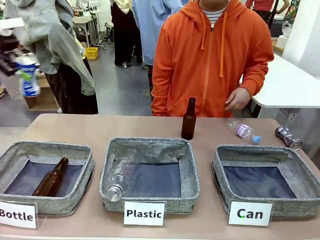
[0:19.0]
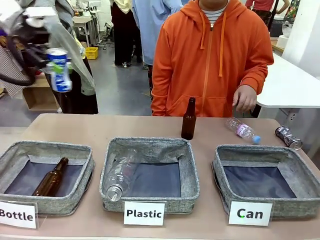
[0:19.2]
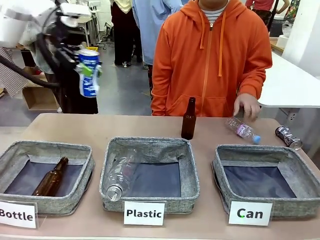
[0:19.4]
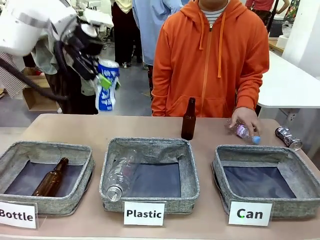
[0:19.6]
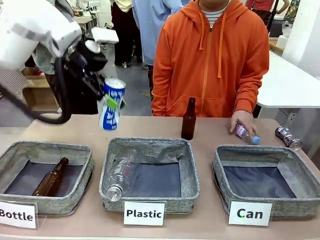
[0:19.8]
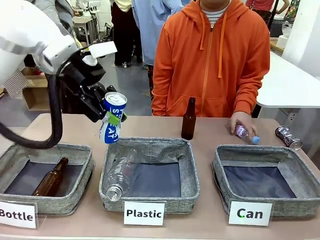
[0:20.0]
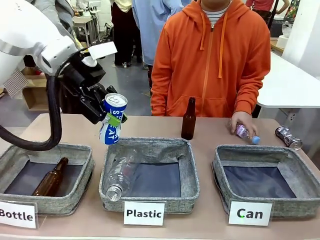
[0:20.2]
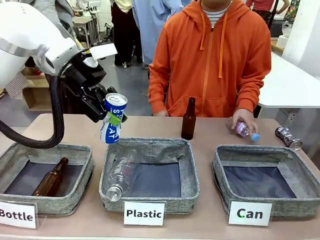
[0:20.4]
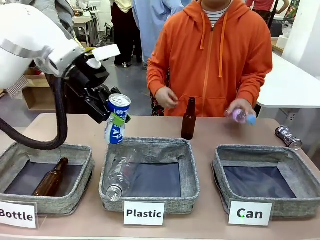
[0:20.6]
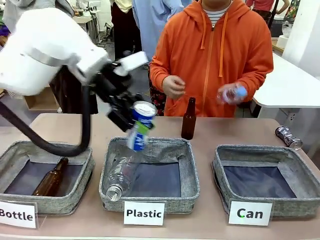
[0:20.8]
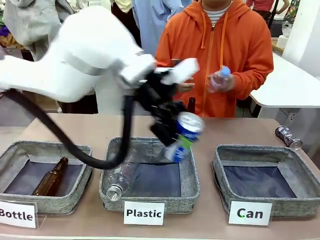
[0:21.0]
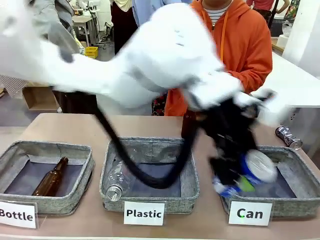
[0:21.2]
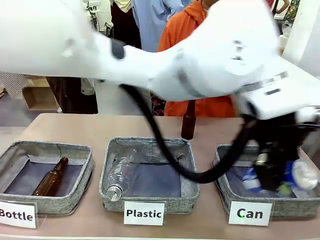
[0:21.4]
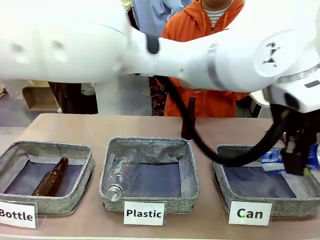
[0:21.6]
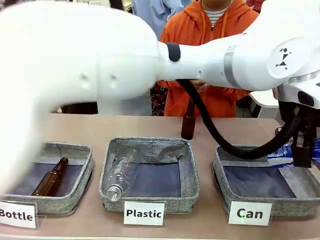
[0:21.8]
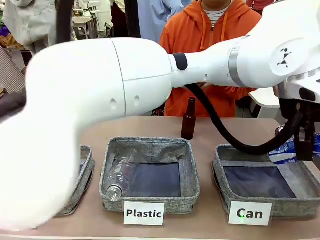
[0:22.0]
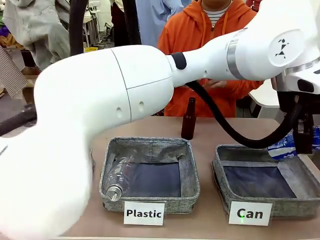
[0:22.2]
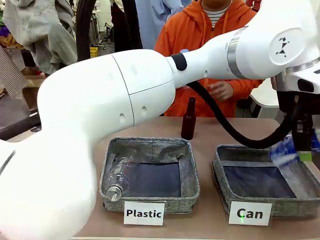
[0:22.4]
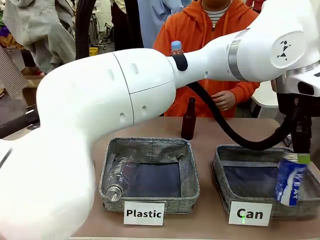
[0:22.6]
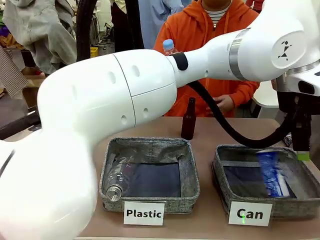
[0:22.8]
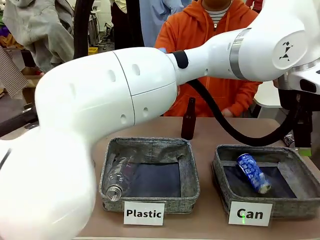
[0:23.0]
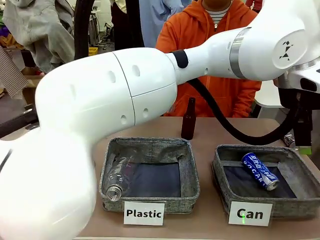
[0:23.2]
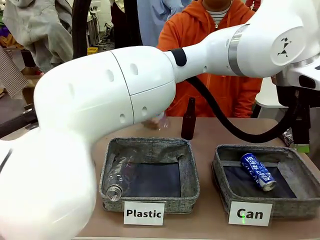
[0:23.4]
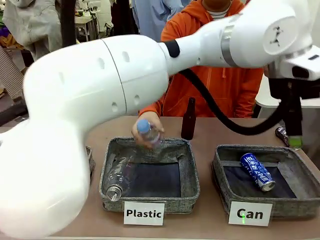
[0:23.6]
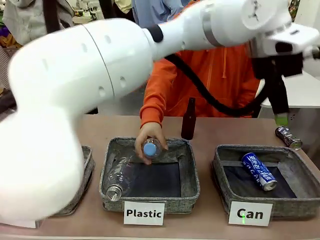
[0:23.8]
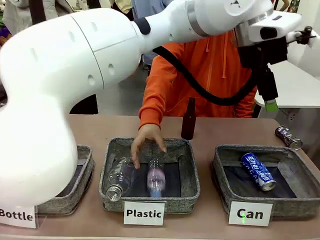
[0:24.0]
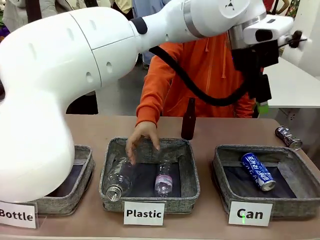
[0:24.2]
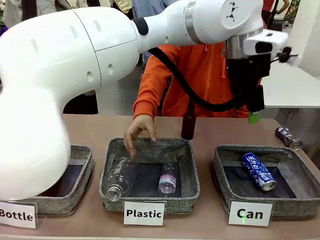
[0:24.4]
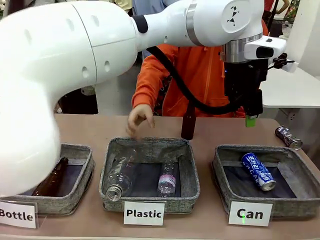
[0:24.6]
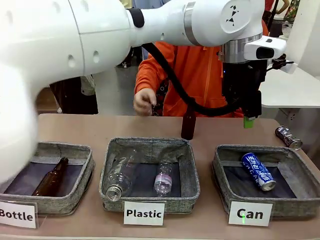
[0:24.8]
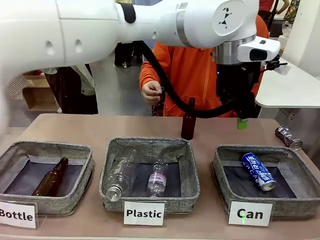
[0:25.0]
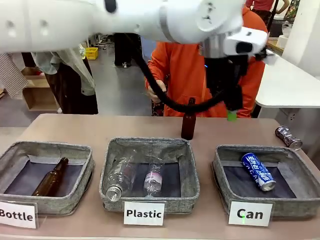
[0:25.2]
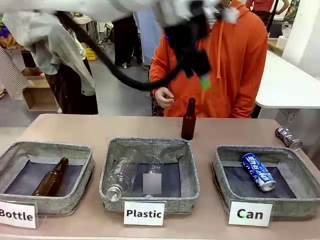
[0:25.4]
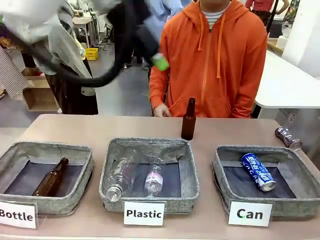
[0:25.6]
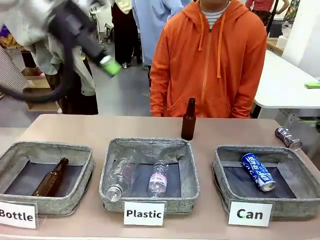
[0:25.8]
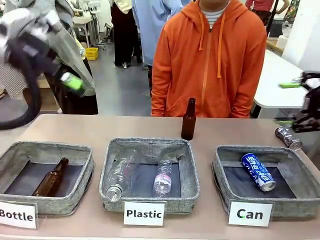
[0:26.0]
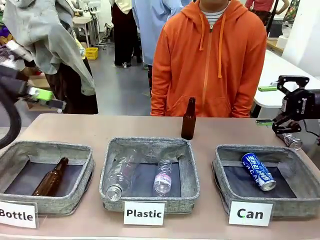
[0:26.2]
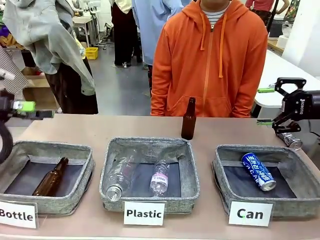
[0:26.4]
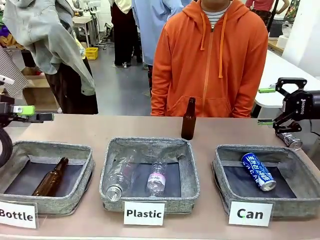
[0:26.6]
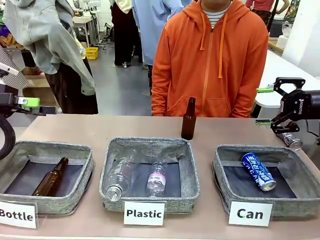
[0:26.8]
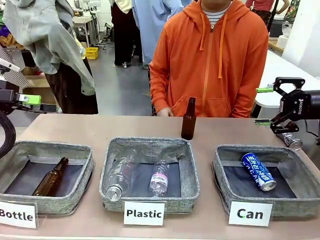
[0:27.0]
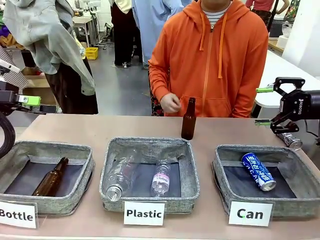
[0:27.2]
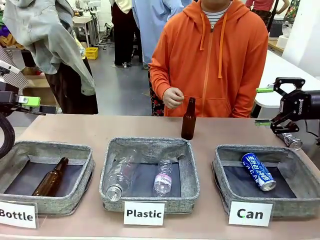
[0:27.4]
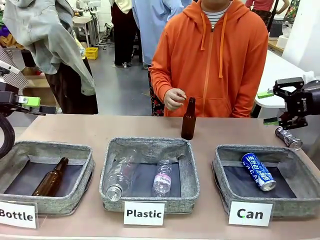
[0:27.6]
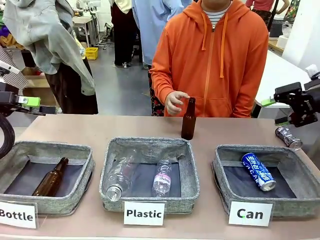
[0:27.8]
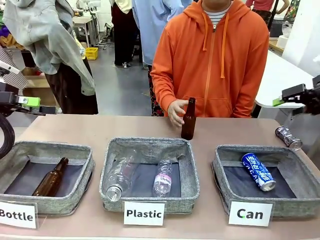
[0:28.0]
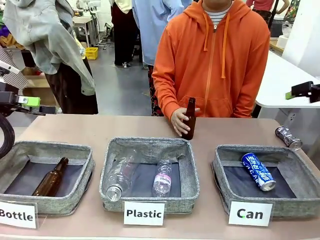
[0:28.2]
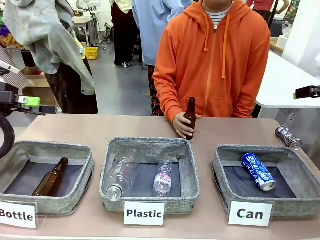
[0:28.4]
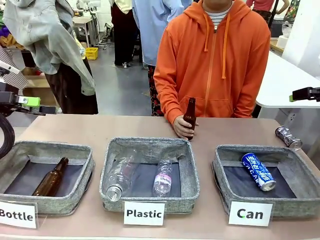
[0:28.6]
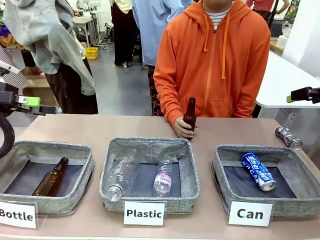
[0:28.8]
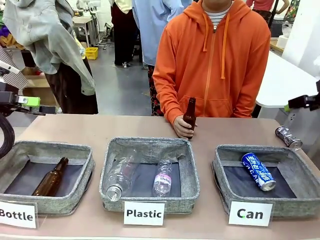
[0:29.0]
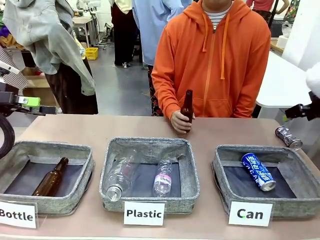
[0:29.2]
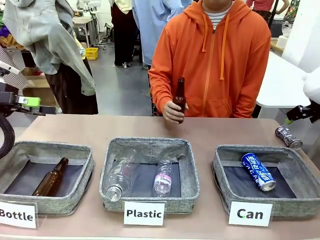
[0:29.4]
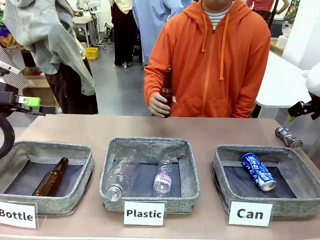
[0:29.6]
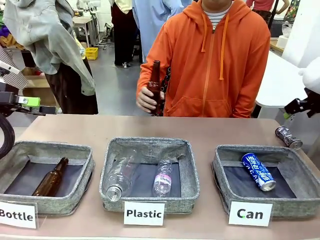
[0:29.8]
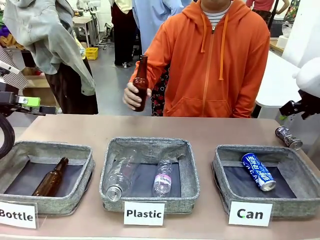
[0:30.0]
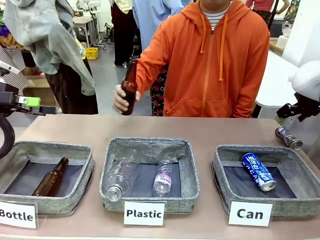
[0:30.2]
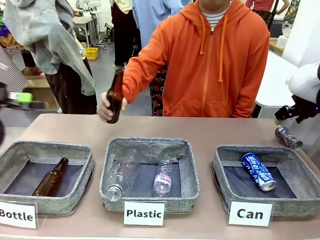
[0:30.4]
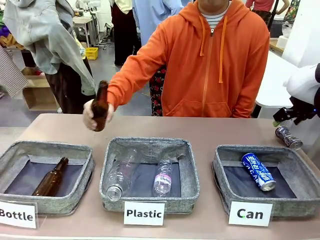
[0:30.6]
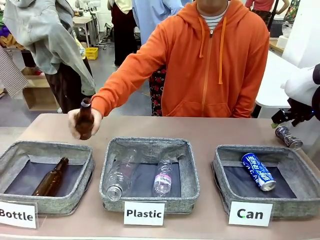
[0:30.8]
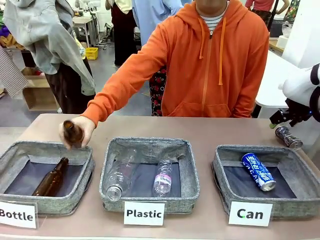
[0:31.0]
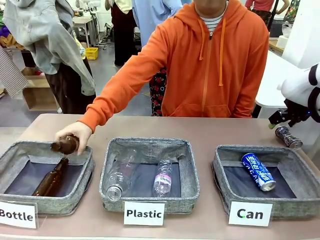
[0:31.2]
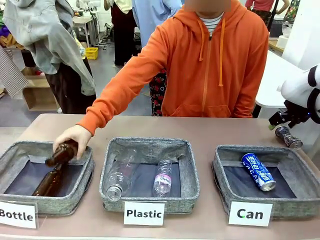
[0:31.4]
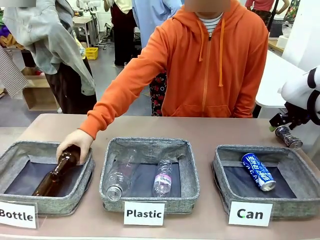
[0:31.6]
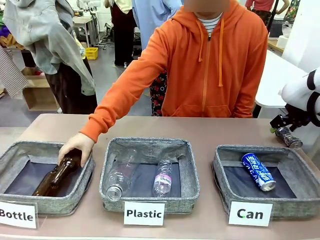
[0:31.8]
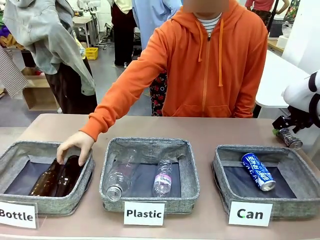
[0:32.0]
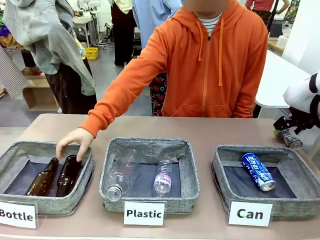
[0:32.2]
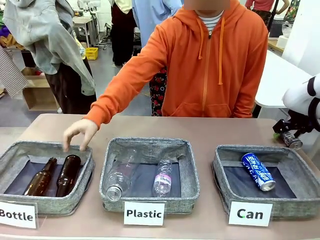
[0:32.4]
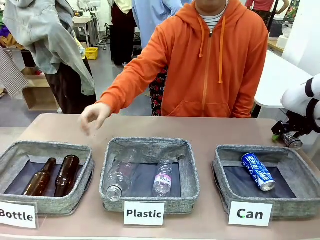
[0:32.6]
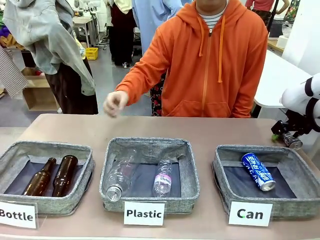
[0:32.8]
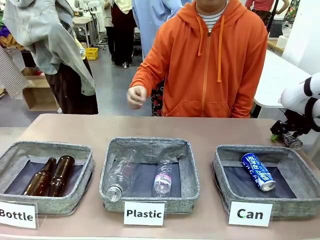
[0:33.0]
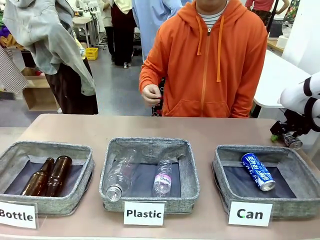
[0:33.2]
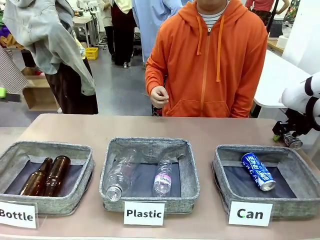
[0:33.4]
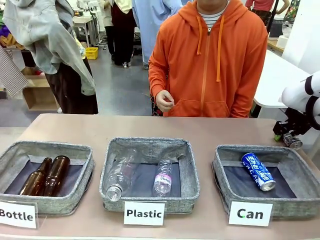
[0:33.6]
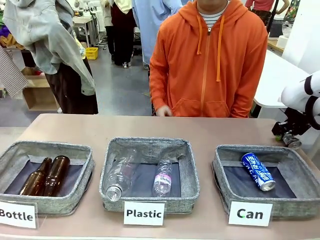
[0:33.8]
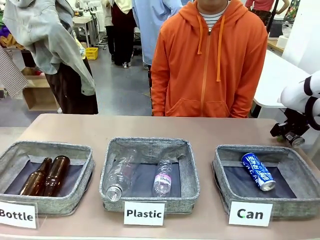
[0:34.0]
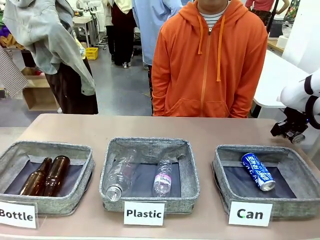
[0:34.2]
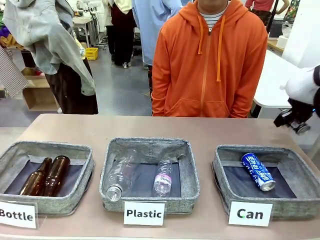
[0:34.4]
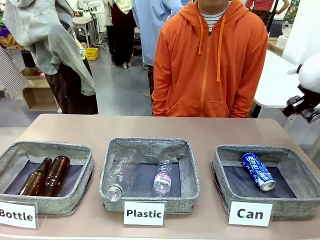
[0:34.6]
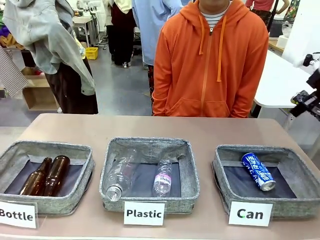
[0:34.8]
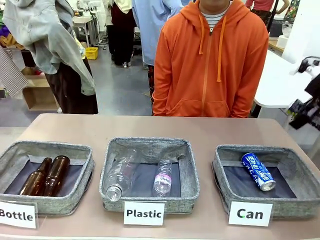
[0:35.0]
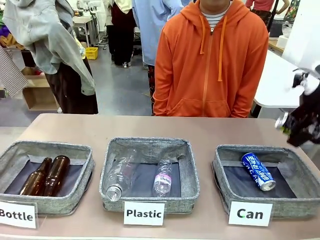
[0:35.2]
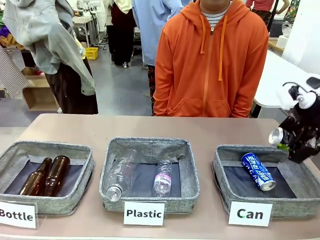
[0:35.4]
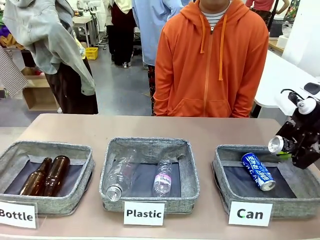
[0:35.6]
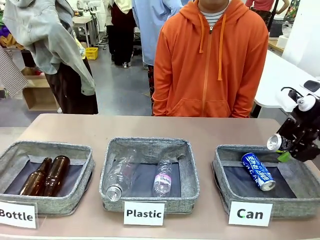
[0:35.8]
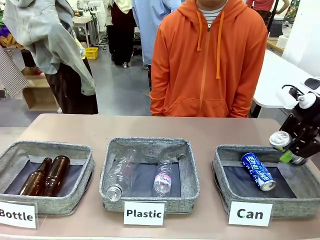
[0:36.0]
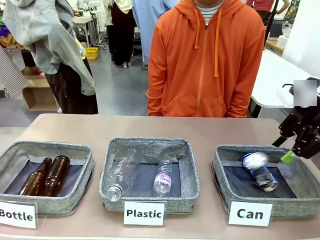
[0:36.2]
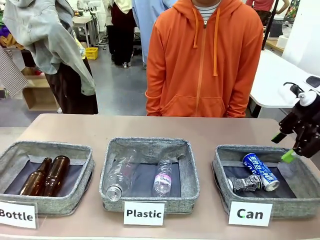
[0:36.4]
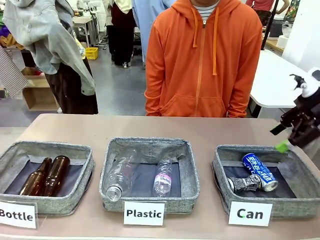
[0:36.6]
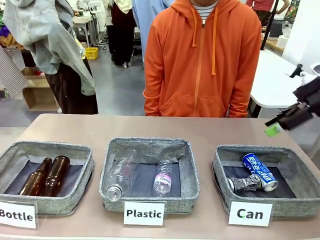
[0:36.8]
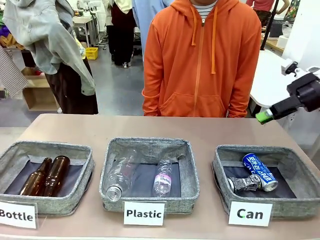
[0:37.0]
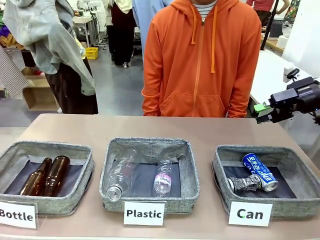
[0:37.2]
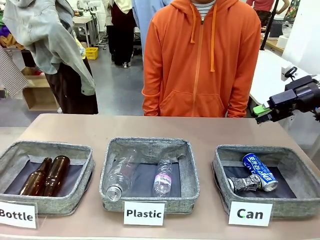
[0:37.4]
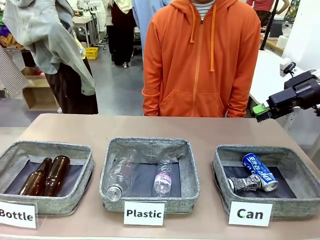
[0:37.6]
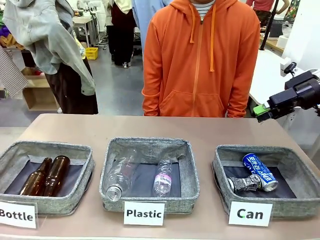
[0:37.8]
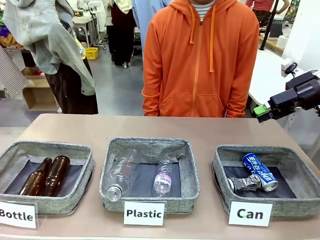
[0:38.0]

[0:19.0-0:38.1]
Task: Sort the can waste into the basket.
Robot: Pick up the can waste from the table and place it in the right Fabric basket.
Person: The human picks up one piece of trash that is not a can and places the trash into the appropriate organizing basket.
